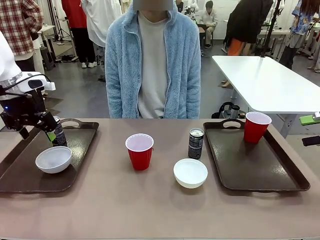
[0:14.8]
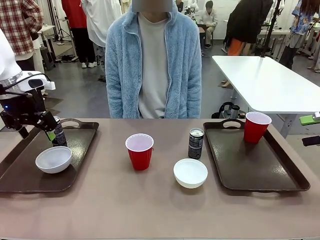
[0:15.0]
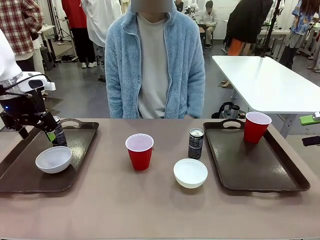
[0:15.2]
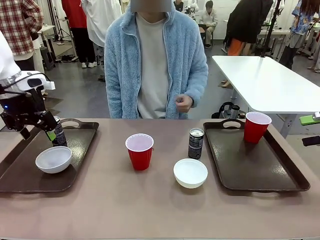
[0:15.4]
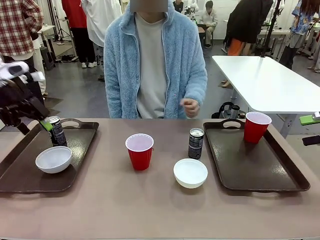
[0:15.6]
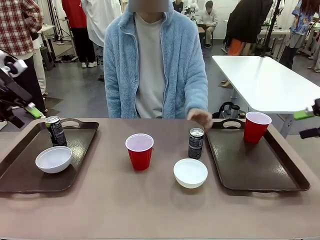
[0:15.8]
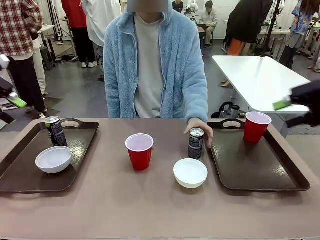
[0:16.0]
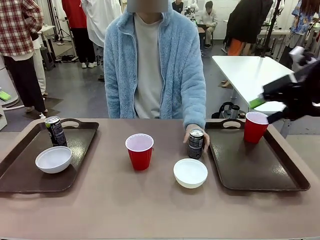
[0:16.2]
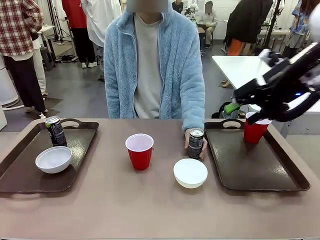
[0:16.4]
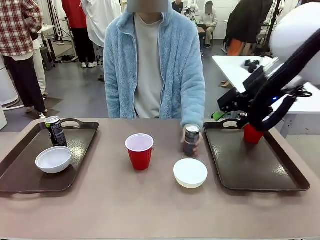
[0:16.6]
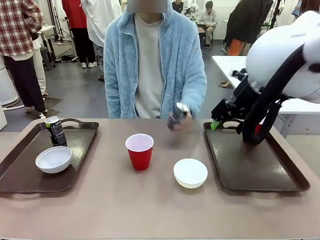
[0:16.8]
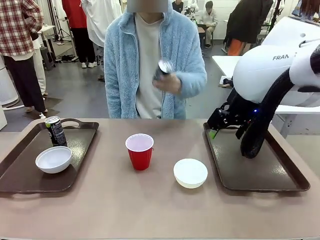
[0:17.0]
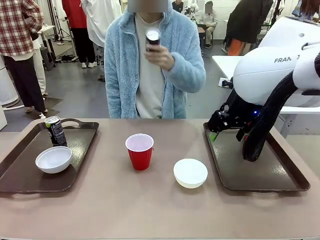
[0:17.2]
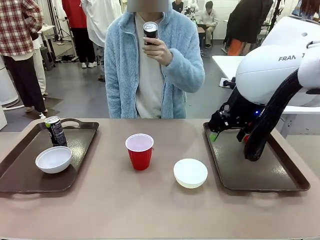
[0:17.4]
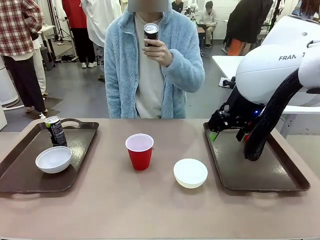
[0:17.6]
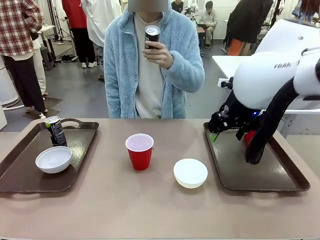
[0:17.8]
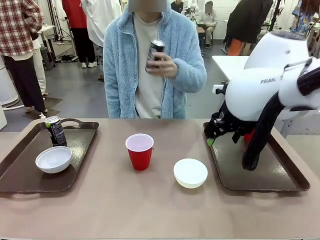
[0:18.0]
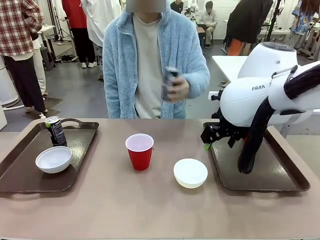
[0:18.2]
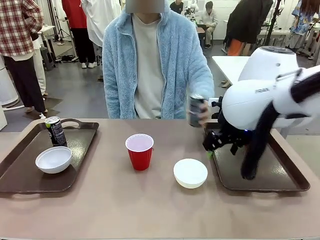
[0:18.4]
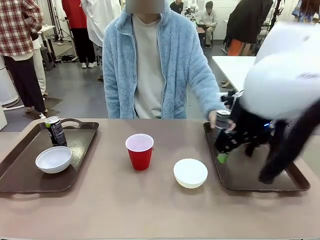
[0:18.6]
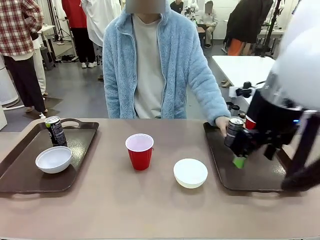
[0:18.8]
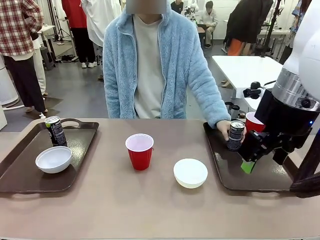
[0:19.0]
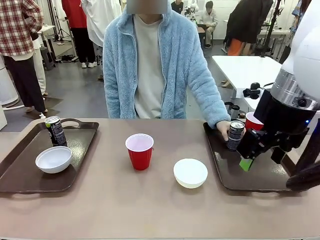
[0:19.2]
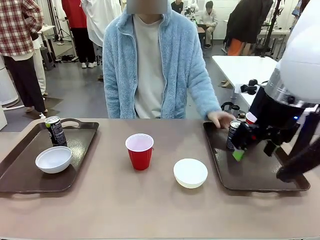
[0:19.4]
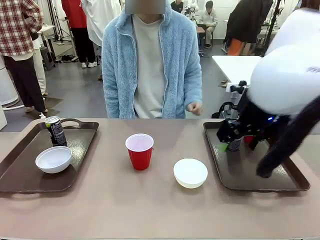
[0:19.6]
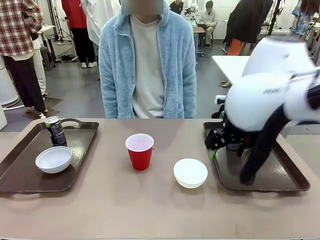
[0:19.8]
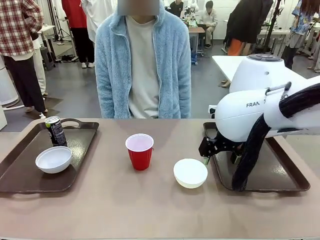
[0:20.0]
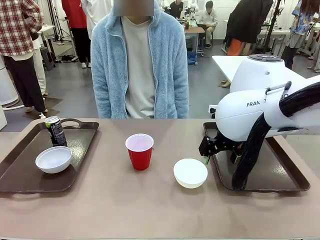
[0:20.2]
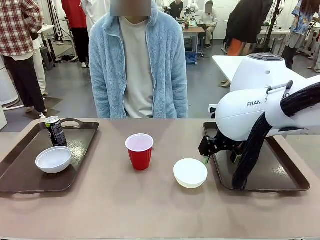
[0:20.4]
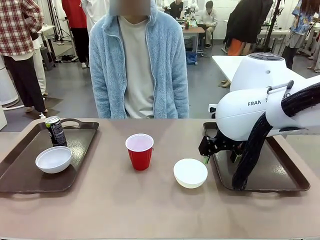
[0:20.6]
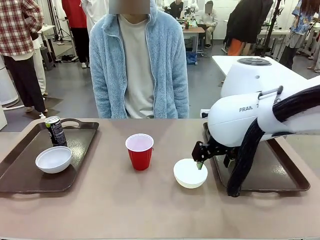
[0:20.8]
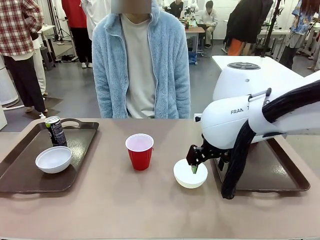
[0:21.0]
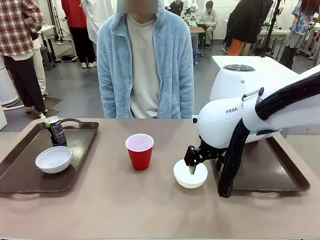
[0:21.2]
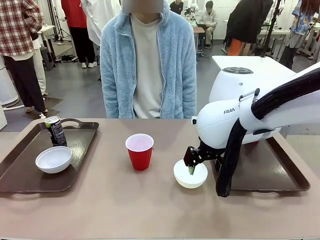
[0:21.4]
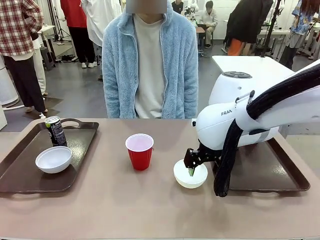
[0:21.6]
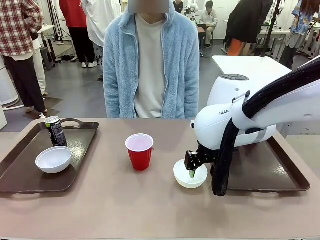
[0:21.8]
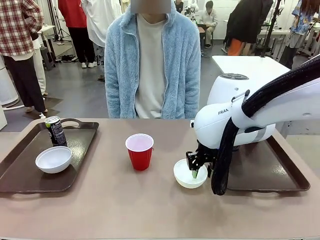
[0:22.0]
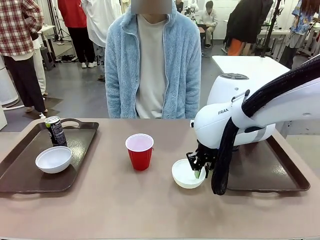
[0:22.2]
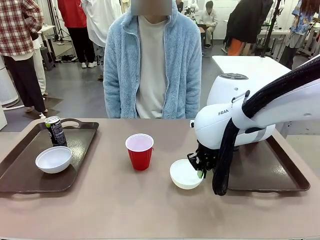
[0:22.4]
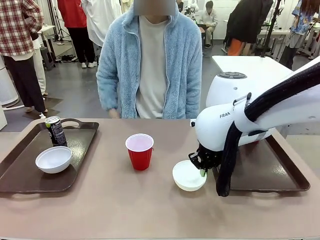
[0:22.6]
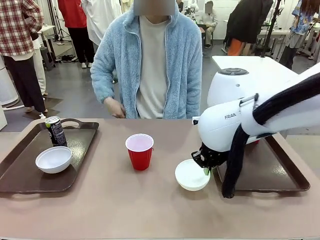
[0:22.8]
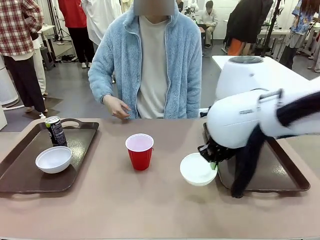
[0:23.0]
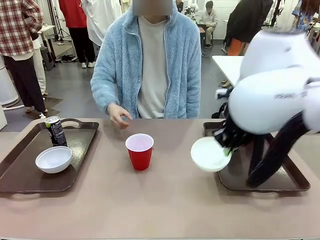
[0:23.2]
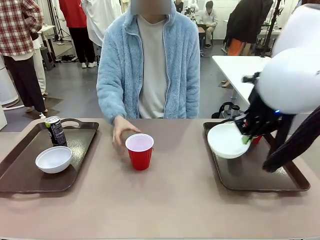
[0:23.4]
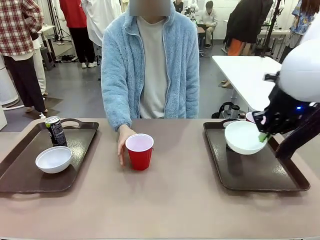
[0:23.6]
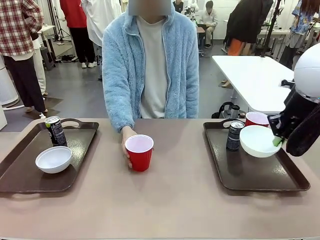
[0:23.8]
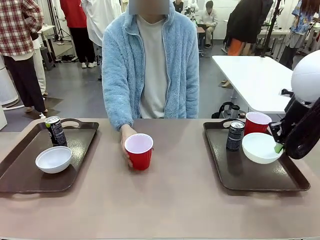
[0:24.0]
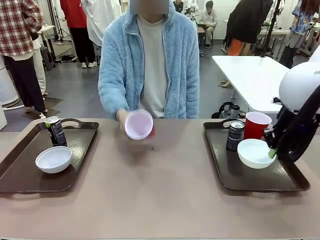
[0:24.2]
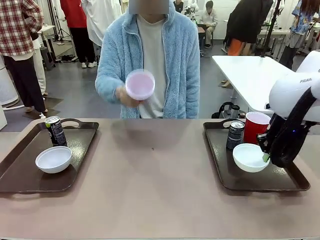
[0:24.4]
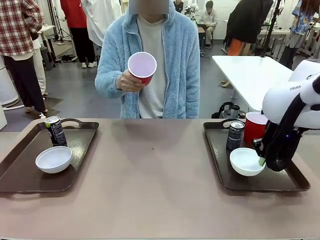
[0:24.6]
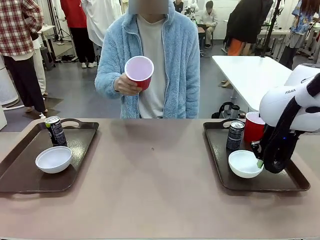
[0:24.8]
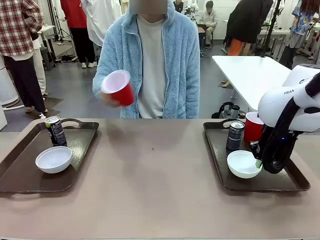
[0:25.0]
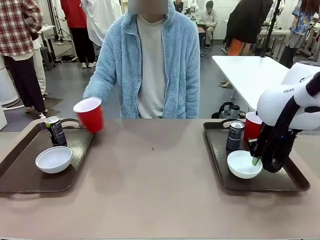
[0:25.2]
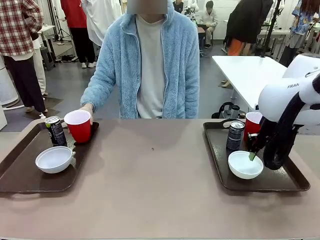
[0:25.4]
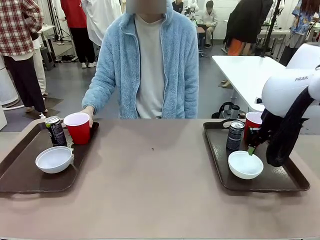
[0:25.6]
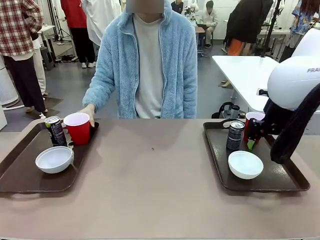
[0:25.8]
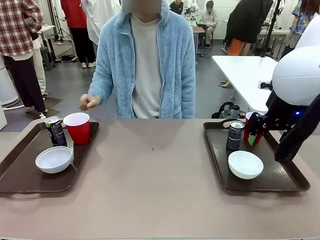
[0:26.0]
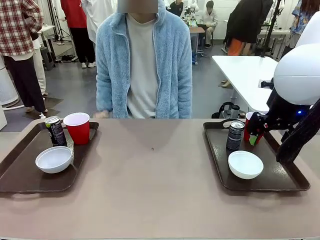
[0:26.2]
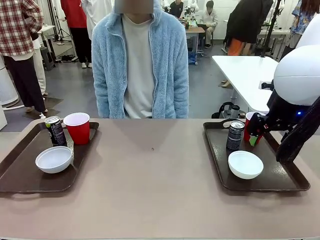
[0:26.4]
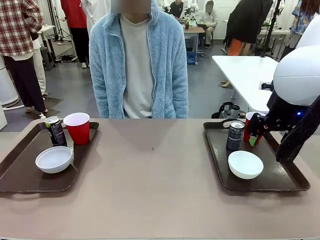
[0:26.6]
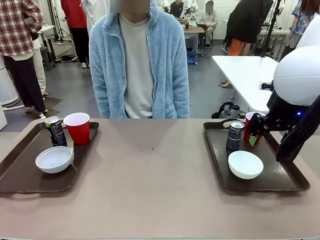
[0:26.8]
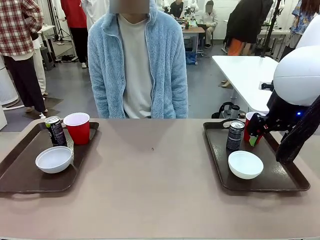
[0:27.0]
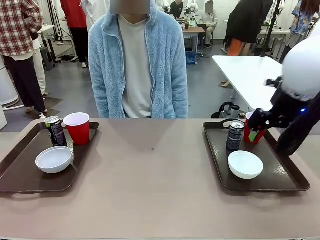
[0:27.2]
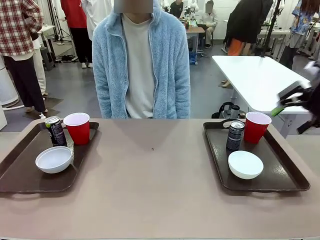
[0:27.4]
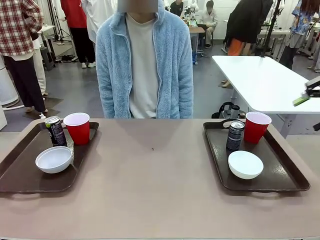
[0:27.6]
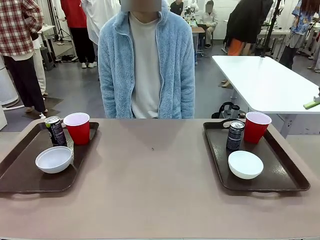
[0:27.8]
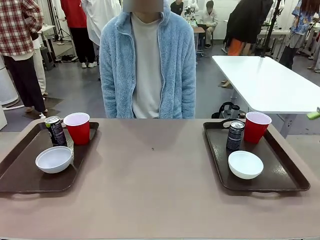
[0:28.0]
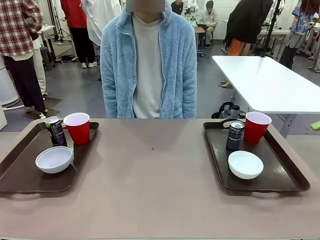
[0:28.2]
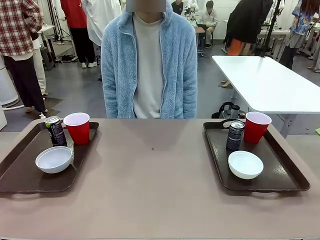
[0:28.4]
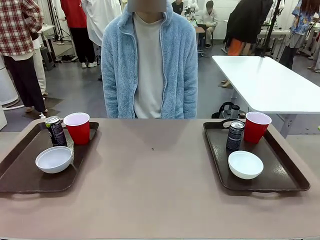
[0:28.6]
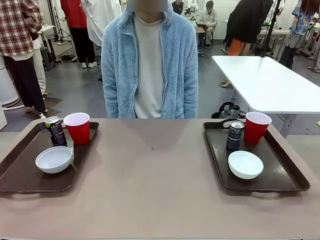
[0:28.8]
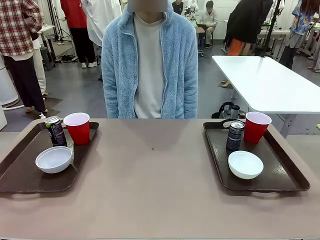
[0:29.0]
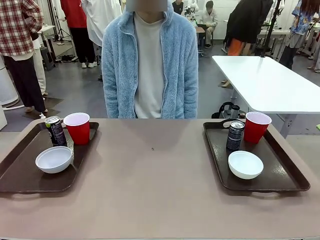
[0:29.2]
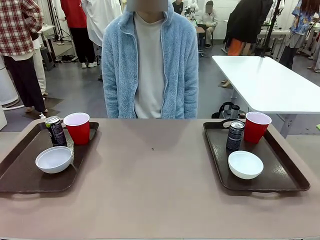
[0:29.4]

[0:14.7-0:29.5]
Task: Prepare tableware on both trays.
Robot: Pick up a Picnic Bowl from the table and place it on a Handle tray.
Person: Pick up a can or cup and place it on the tray without a can or cup.
